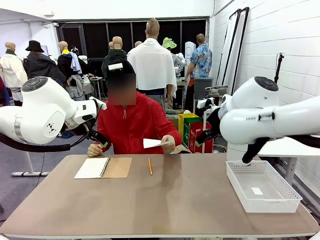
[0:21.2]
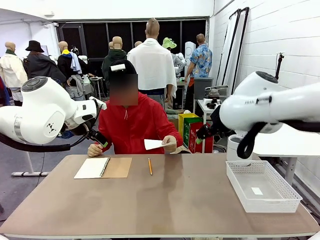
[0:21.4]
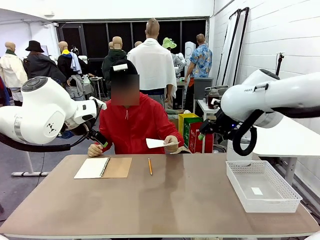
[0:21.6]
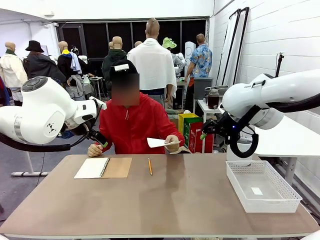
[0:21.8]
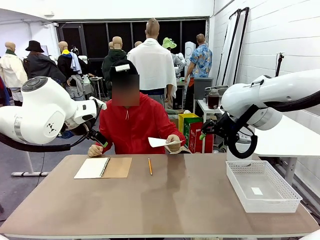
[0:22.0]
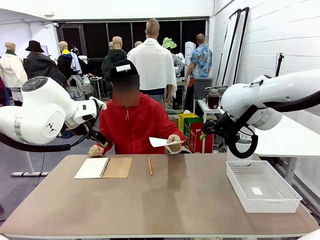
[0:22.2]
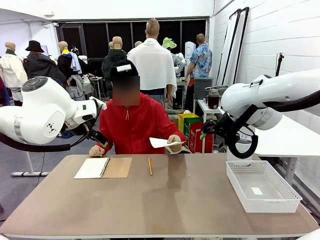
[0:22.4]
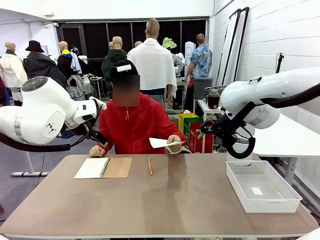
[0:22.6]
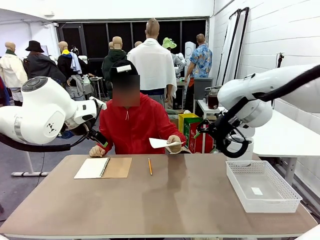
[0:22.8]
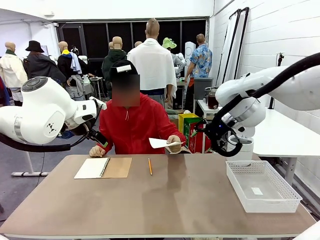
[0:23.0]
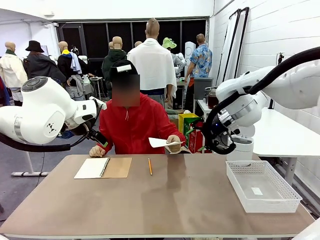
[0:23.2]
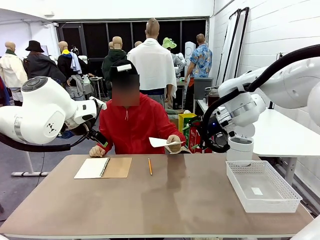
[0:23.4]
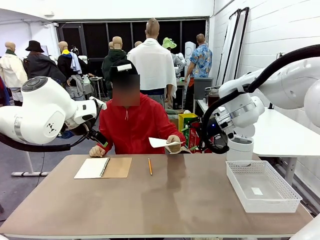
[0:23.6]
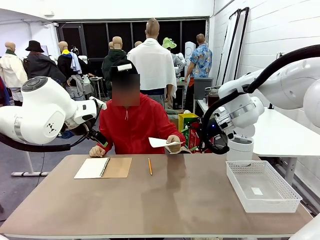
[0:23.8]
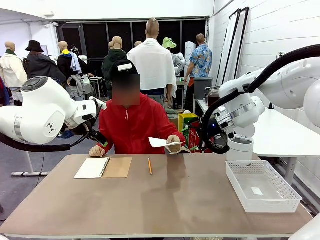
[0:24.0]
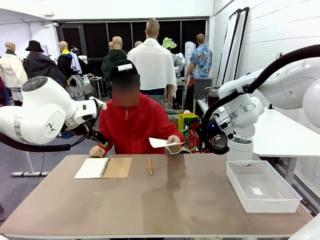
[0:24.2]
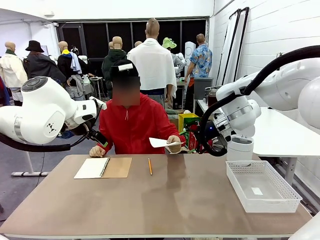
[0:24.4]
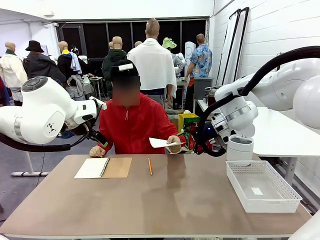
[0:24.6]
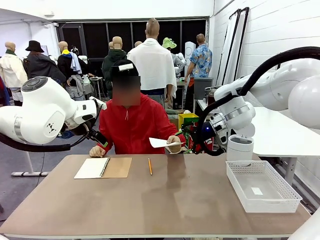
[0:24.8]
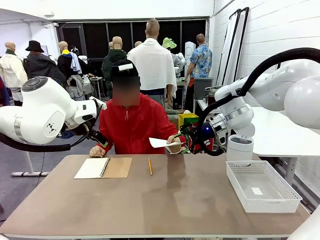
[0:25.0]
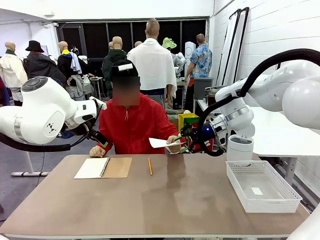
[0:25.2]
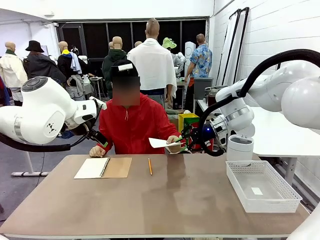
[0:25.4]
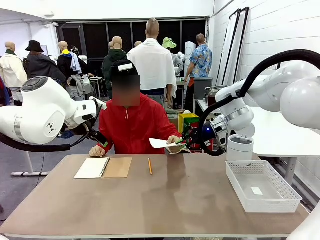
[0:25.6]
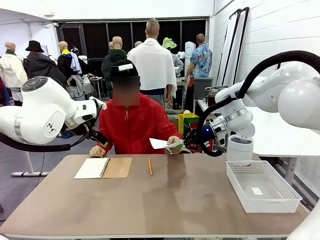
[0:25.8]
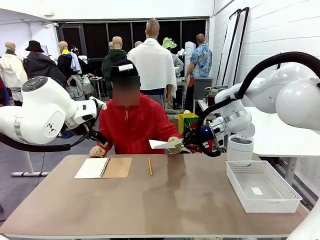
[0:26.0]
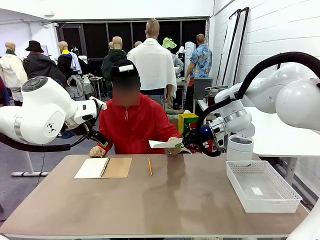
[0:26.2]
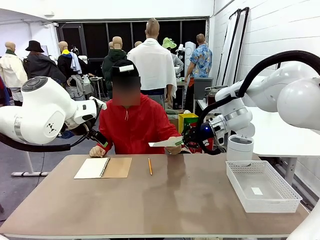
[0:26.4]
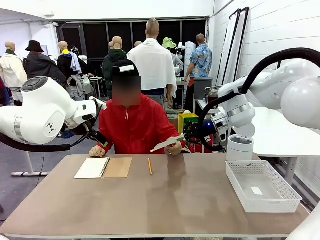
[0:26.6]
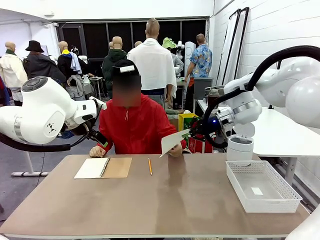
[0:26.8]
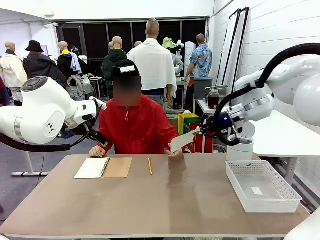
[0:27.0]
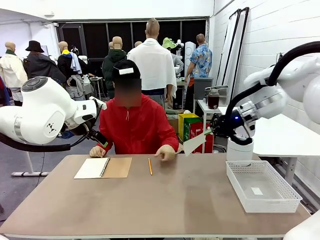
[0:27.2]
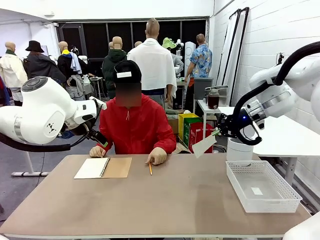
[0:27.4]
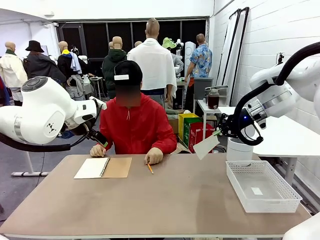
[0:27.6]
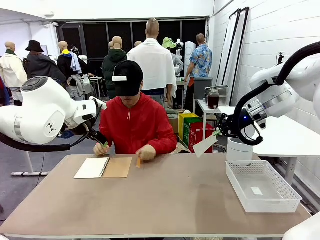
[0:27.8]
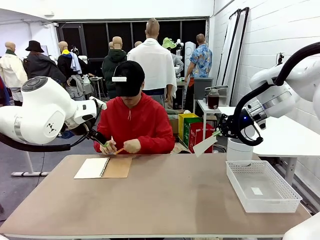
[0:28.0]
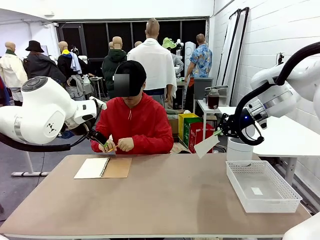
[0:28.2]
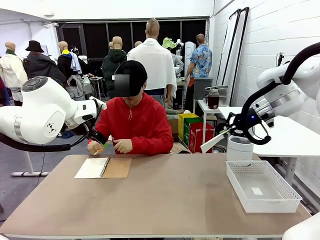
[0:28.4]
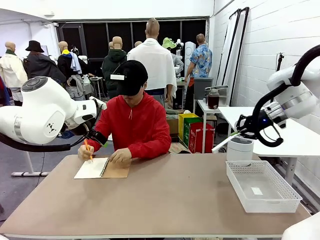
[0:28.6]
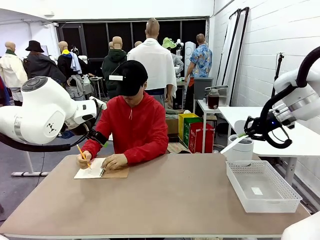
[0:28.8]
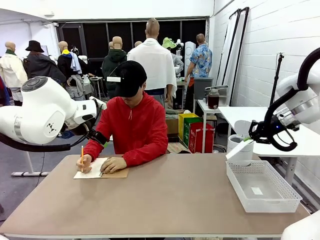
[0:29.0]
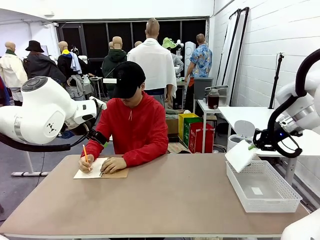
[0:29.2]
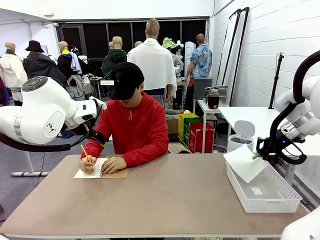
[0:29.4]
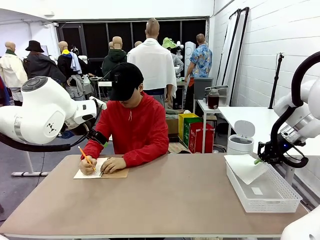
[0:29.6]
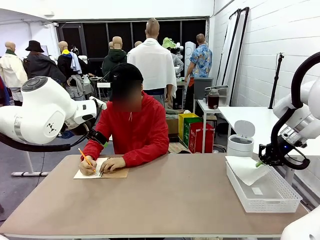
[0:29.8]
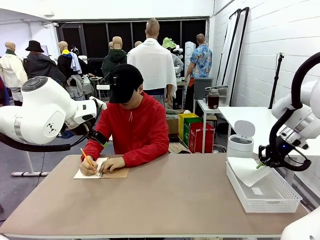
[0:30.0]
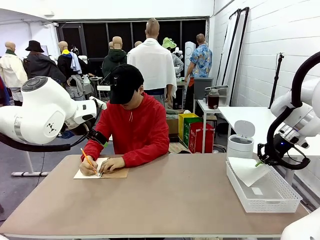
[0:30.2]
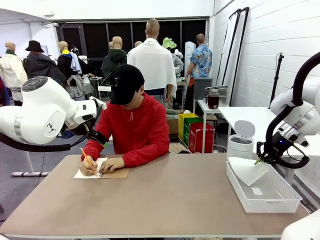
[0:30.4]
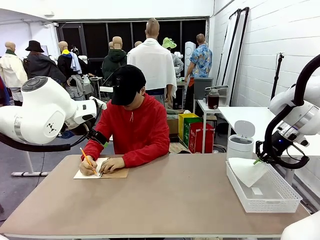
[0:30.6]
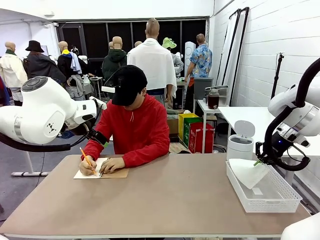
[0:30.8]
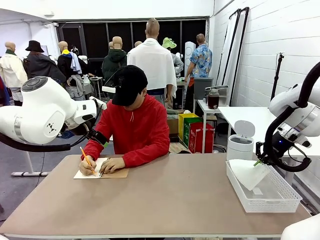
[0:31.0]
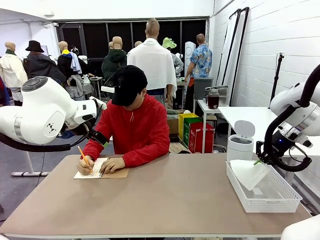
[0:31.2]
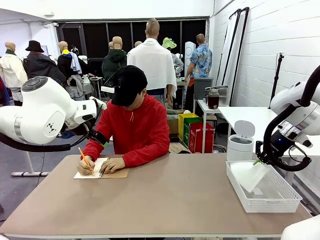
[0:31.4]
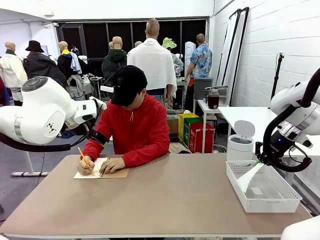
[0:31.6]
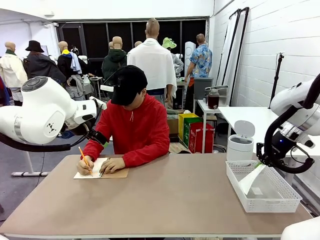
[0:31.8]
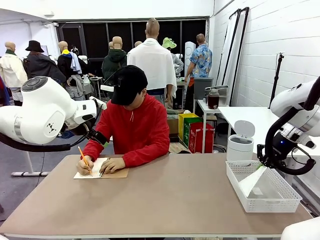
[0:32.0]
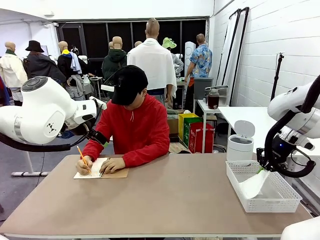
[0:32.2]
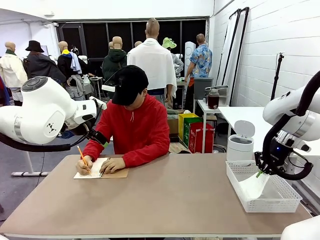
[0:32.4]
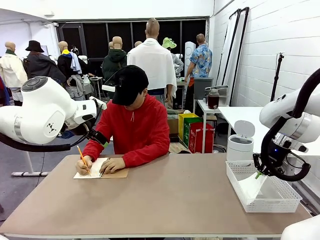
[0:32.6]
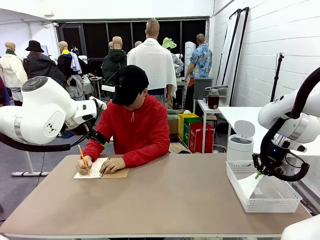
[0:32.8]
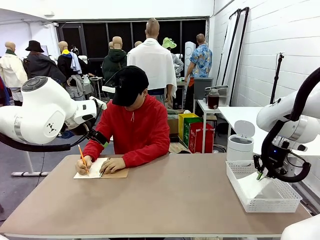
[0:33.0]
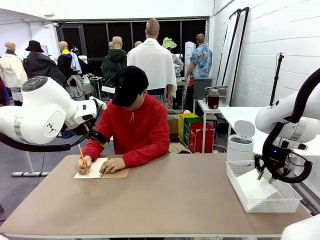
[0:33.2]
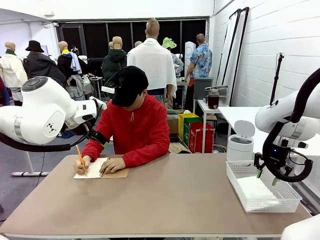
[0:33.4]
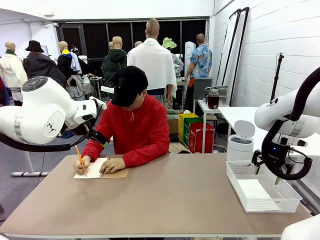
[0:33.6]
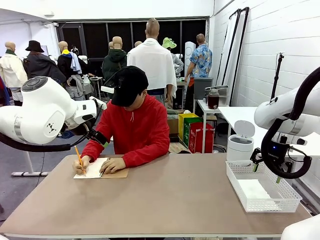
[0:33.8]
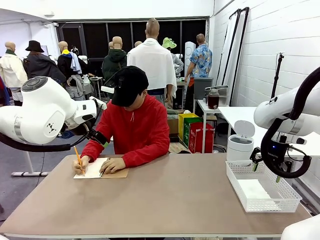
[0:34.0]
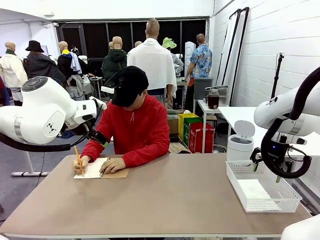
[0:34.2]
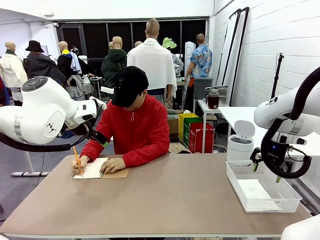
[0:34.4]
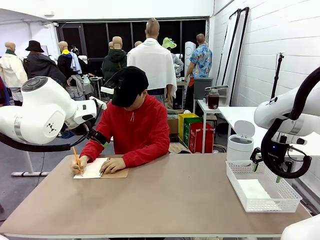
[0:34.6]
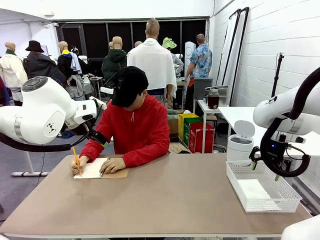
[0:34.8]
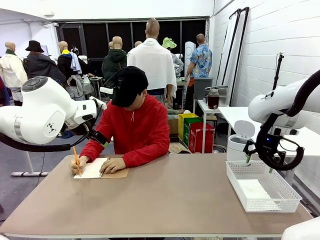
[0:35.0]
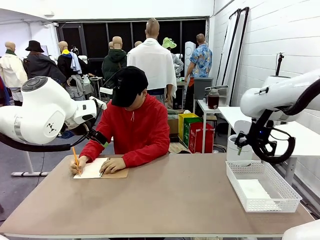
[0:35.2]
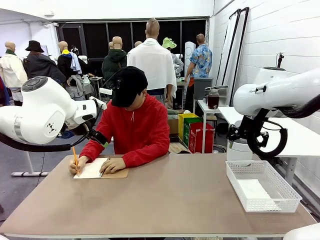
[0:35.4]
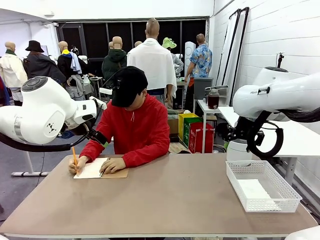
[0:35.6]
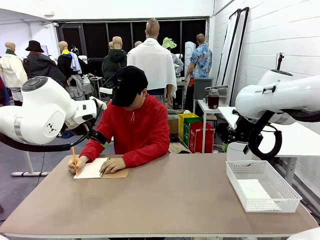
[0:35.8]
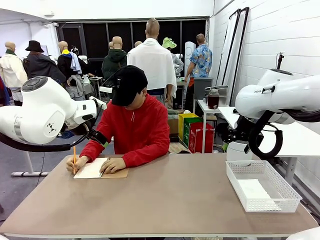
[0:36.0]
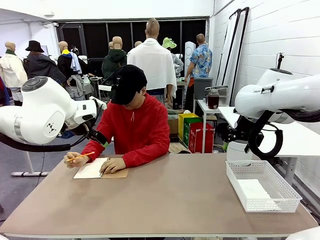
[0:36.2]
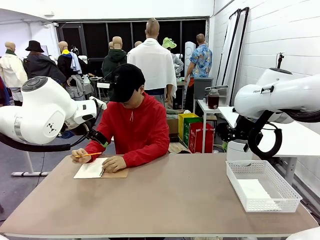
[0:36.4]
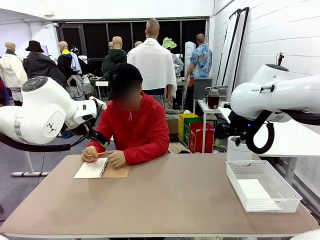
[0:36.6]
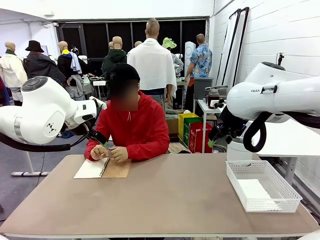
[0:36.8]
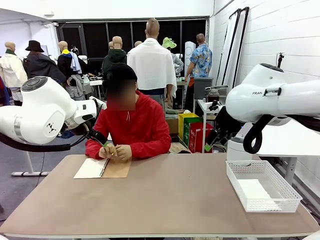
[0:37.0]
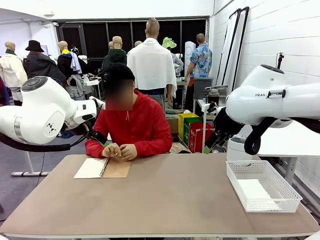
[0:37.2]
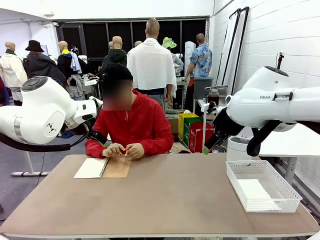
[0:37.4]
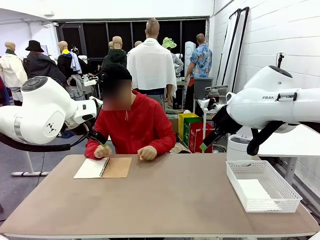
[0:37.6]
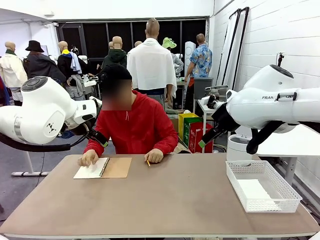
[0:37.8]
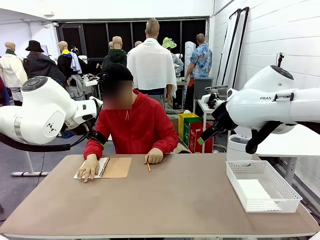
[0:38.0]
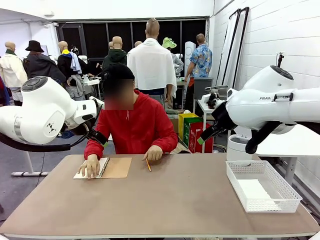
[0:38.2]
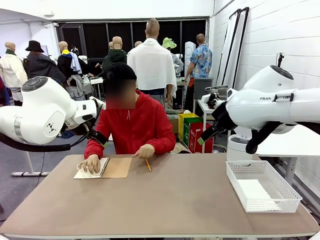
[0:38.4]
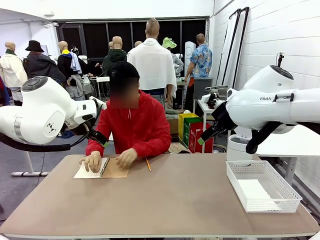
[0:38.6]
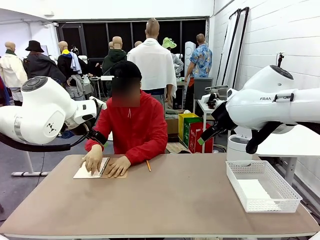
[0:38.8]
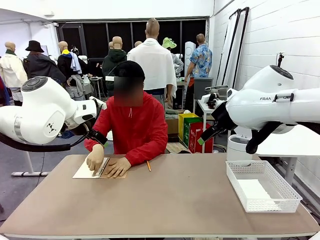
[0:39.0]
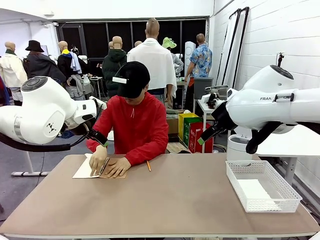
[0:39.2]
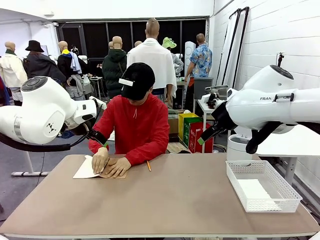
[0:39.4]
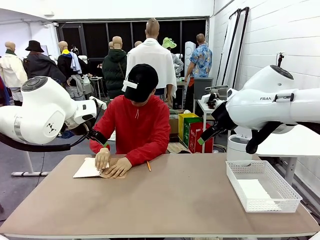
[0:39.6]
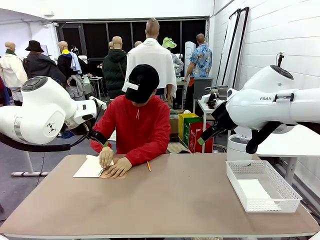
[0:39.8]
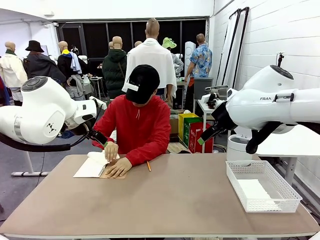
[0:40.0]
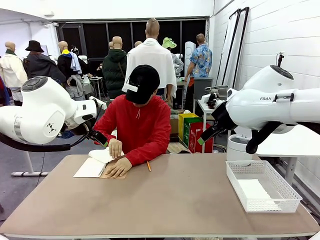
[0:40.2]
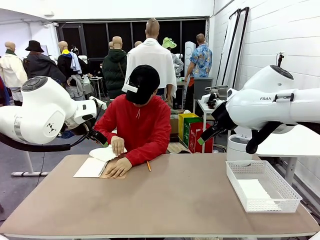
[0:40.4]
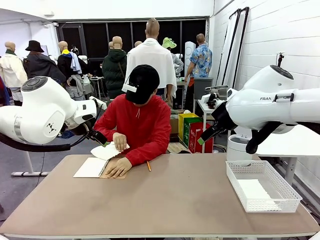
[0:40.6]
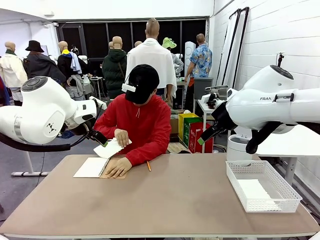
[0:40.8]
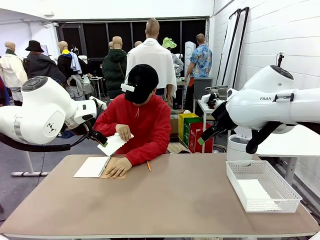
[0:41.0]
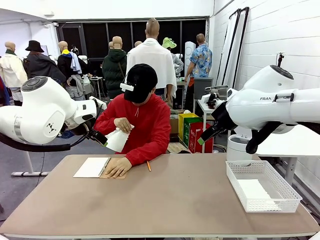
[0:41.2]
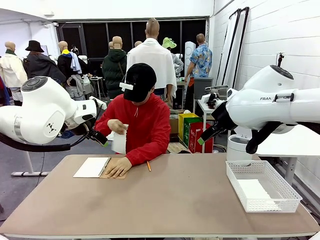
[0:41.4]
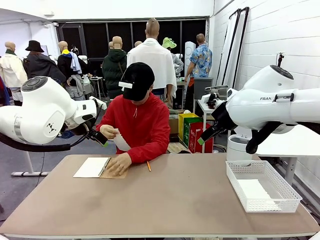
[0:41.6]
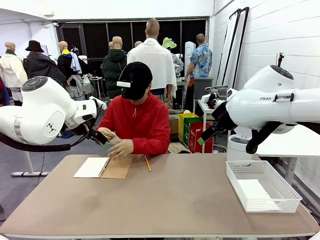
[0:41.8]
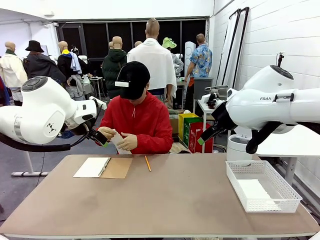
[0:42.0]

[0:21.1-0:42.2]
Task: Sort the paper based on its condition.
Robot: If a person hands you a paper, place it in the Organizing basket , and if it's crumpled, put it in the Trash can.
Person: Tear out a page from the spiral notebook.
